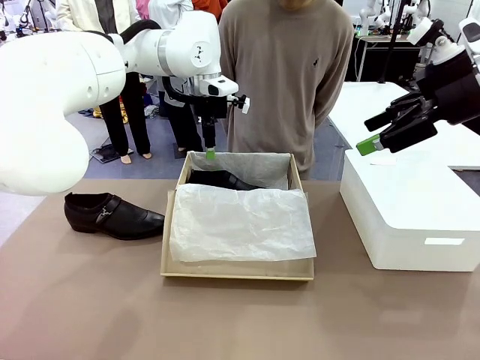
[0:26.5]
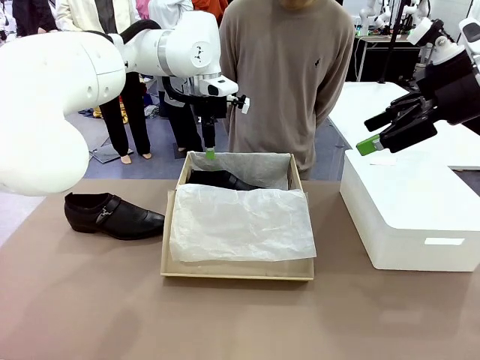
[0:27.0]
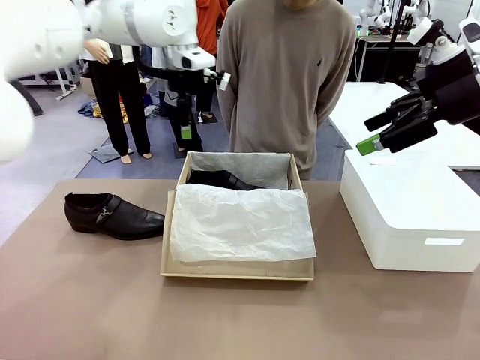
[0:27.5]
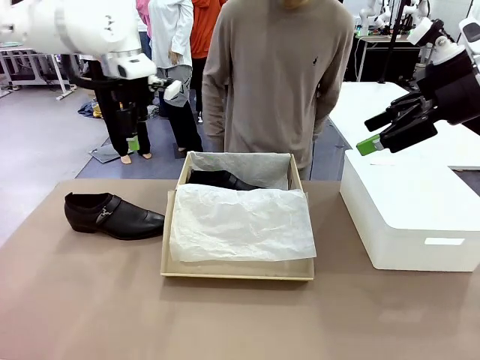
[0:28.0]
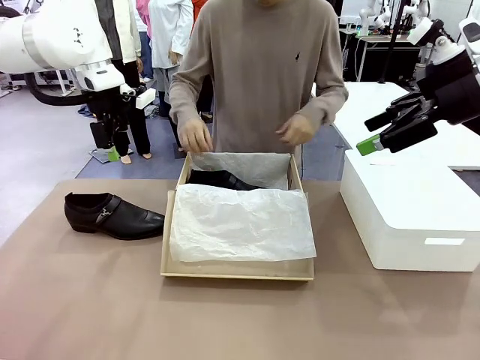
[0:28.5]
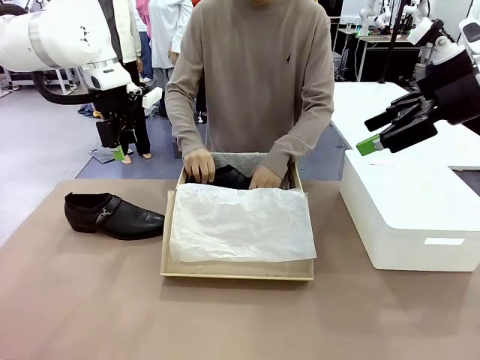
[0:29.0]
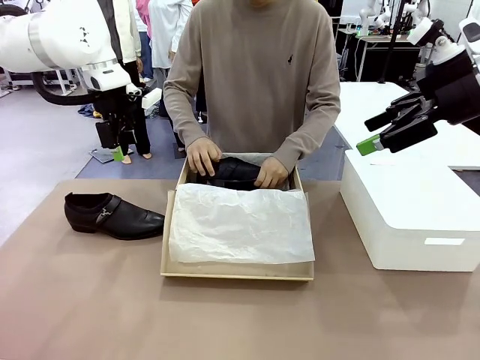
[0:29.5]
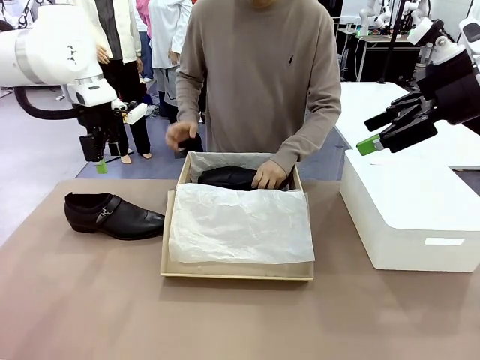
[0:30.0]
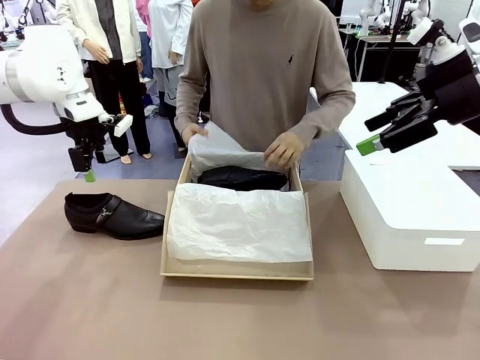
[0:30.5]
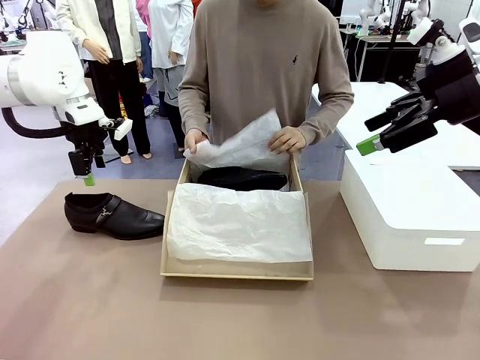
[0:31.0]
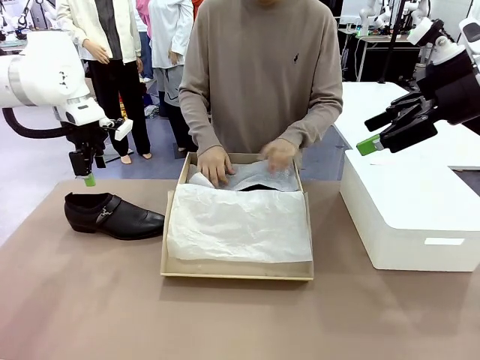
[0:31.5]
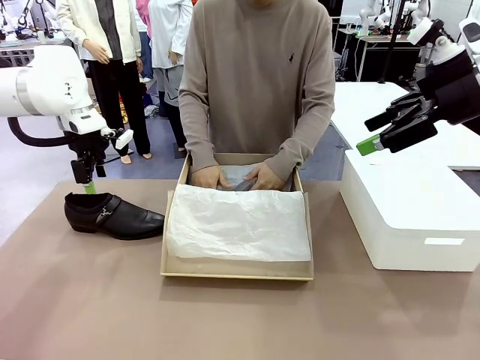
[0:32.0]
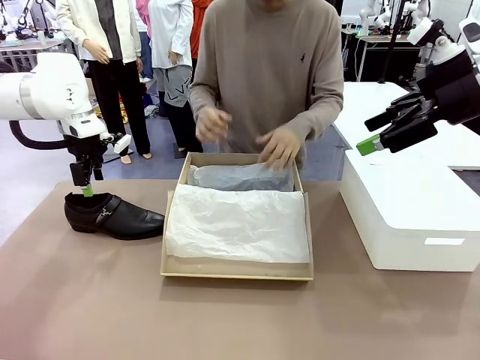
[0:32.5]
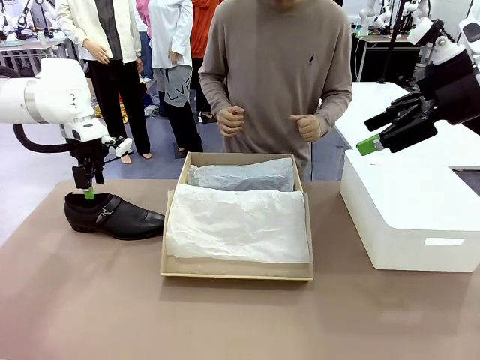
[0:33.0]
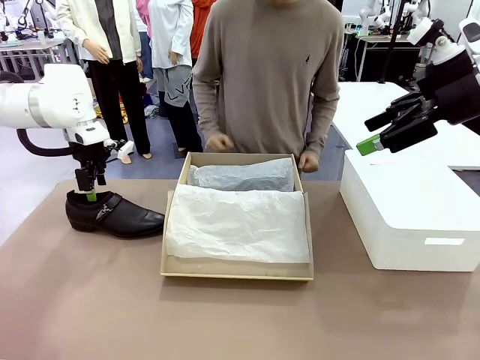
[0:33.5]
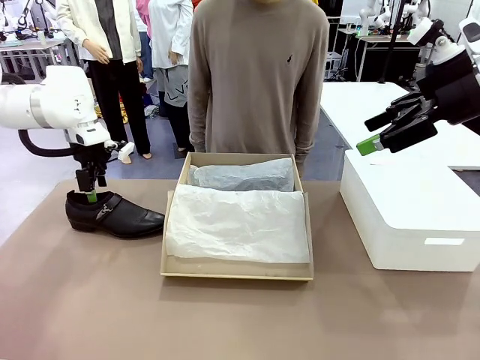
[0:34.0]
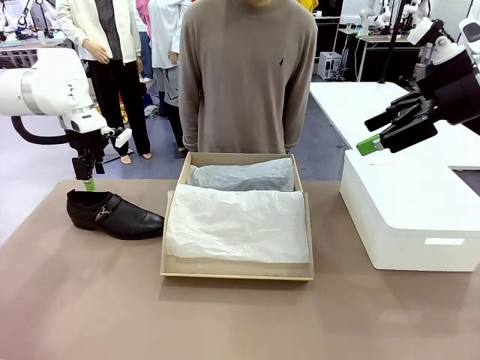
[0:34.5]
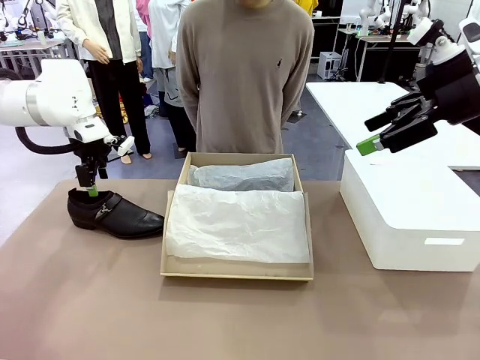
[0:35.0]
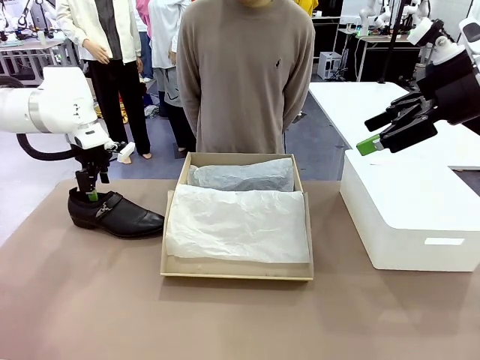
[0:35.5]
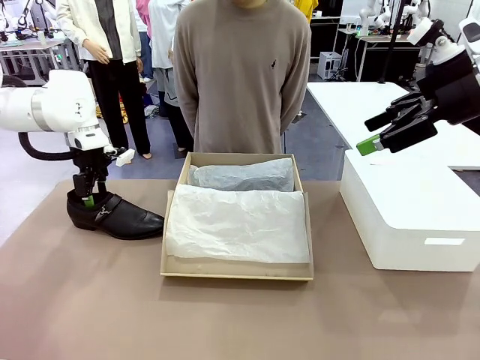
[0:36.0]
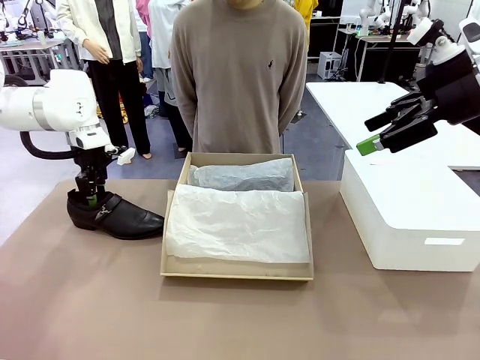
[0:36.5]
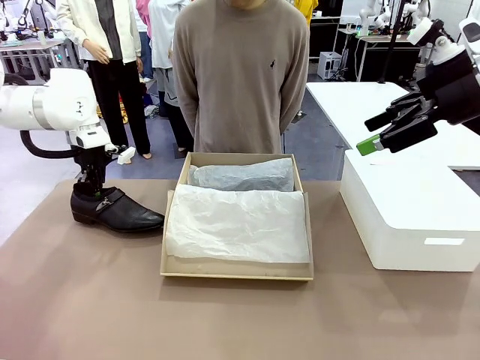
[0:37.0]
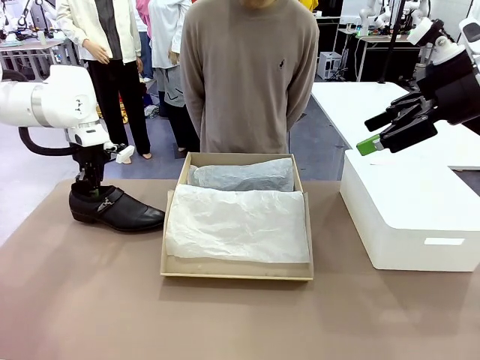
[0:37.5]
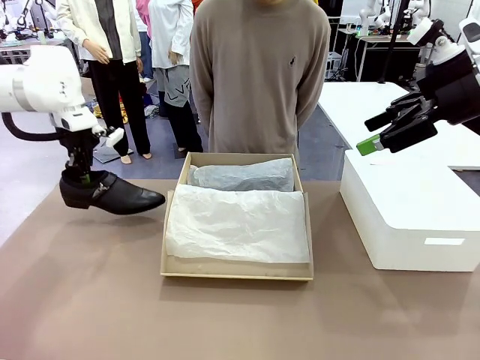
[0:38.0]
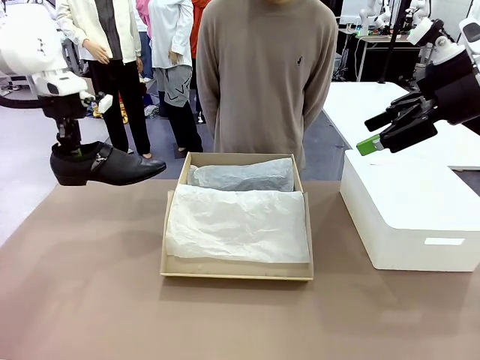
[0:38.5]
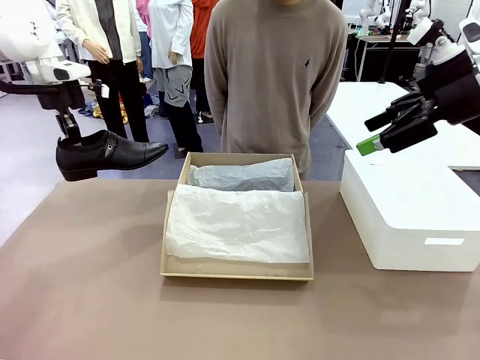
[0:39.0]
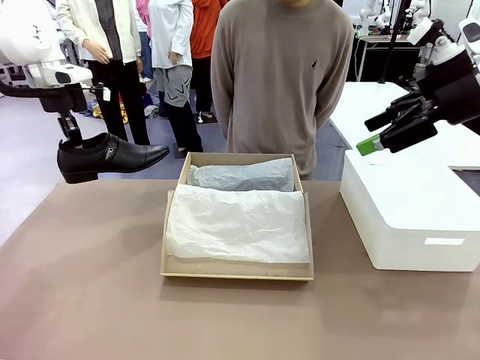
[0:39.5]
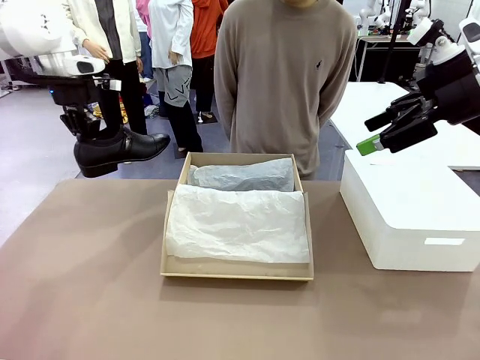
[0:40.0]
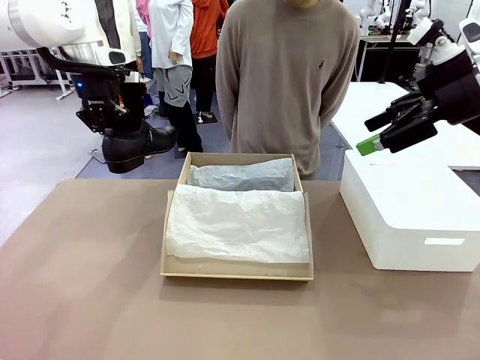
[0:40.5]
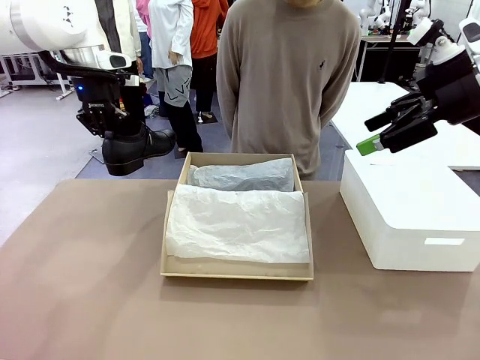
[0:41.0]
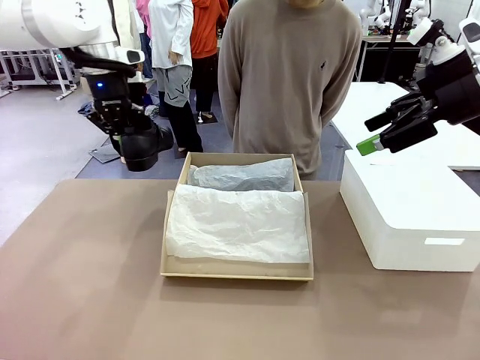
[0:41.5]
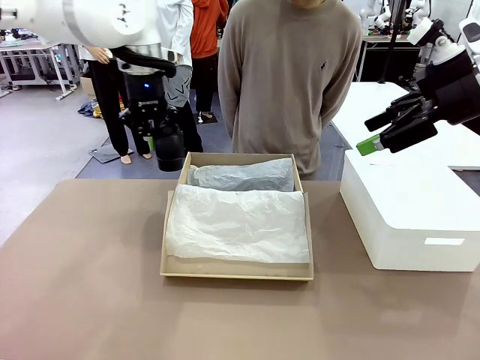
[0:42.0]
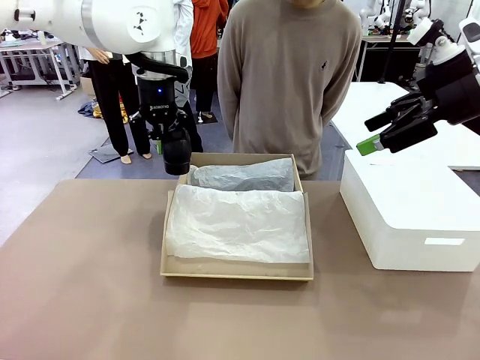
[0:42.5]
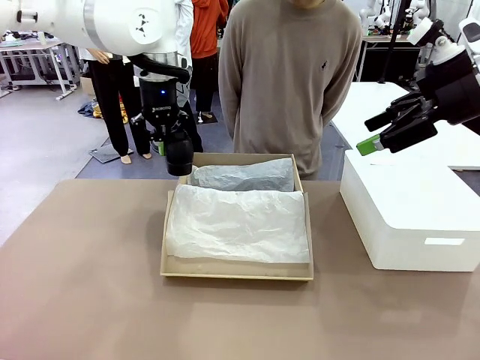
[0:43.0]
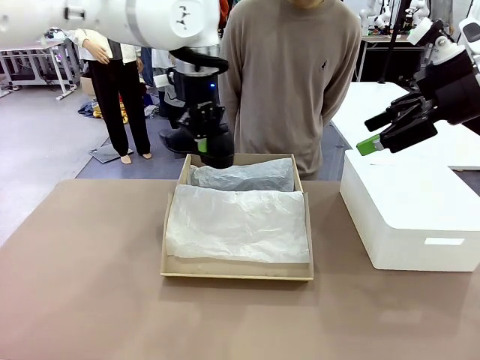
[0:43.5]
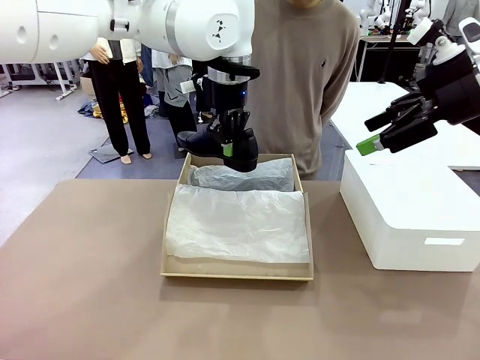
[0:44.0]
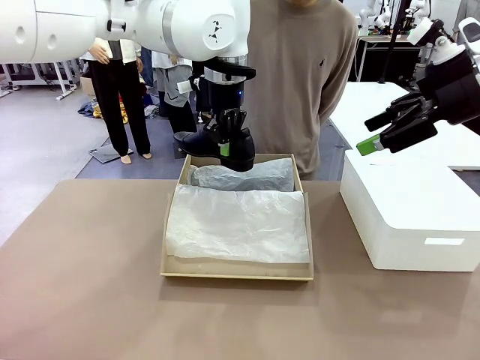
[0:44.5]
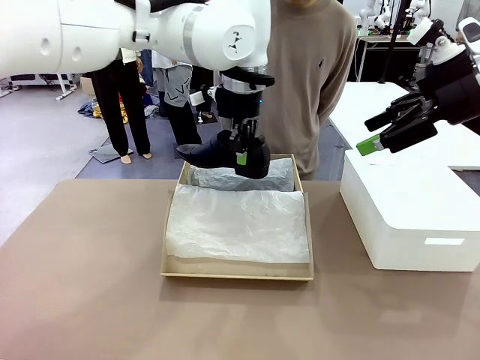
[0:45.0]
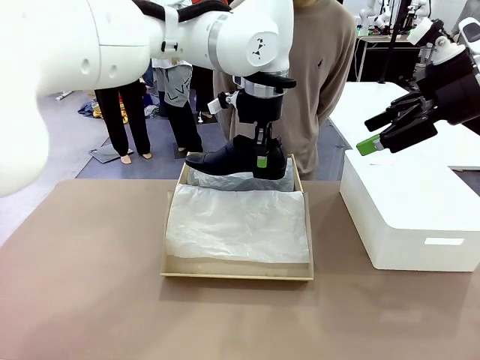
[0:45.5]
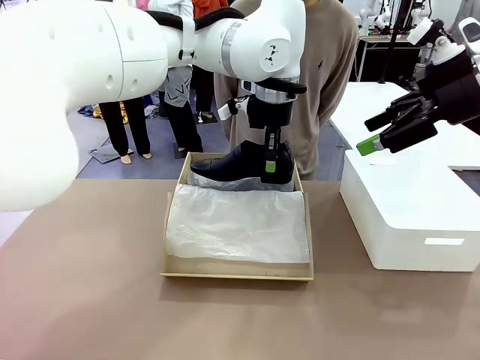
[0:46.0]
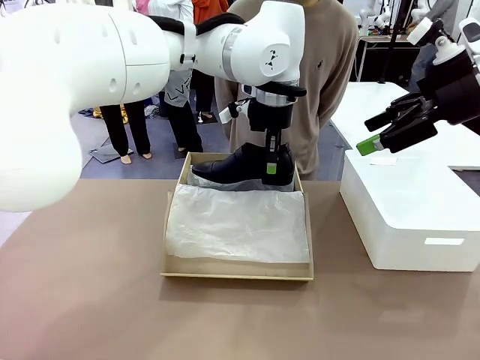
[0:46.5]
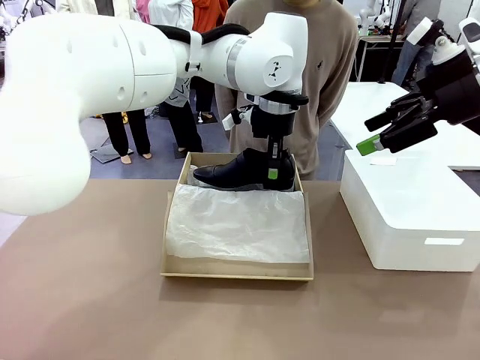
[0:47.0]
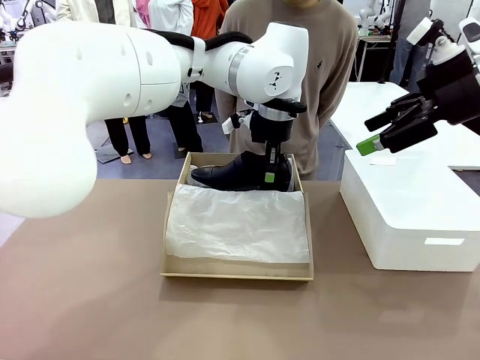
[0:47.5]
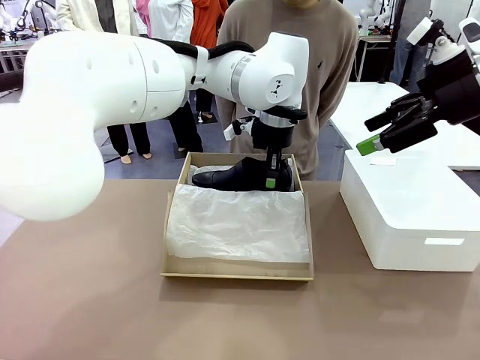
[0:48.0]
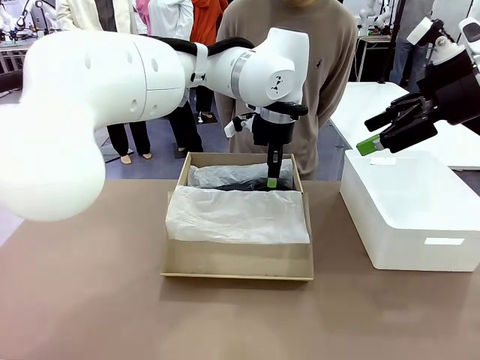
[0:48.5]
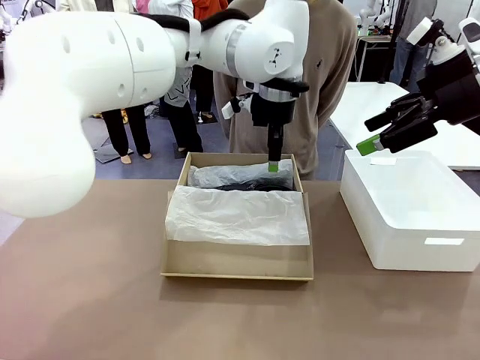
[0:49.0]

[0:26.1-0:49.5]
Task: Pack the shoes into the box.
Robot: Place the other shoe of the Shoes into the Shoes Box.
Person: Pack a shoe of Shoes inside the Shoes Box with Shoes Wrapping Paper.

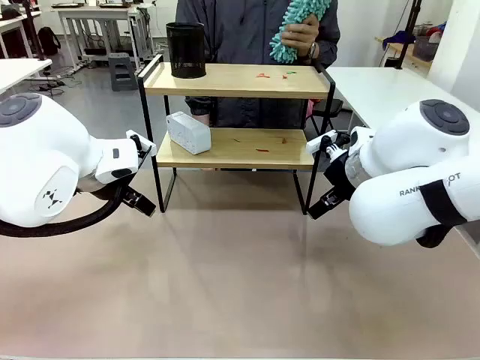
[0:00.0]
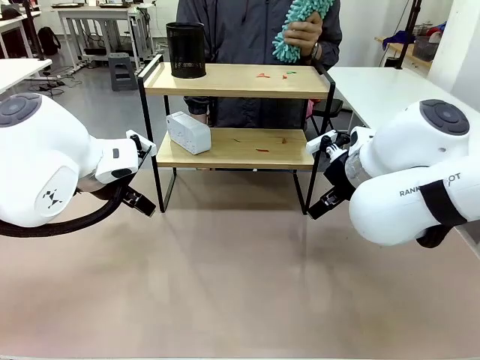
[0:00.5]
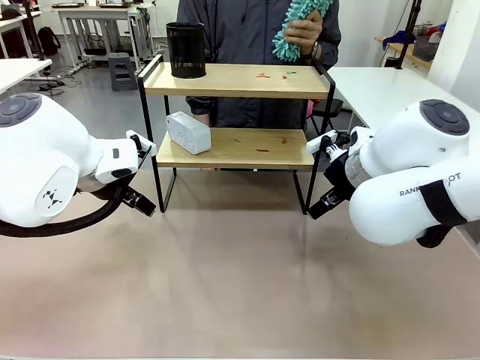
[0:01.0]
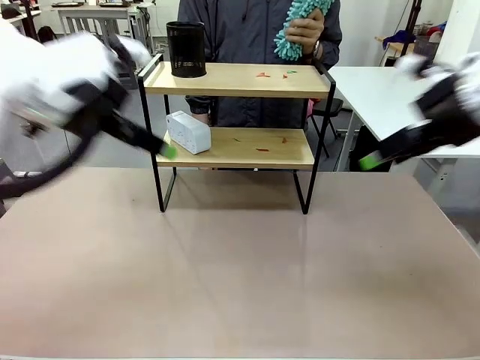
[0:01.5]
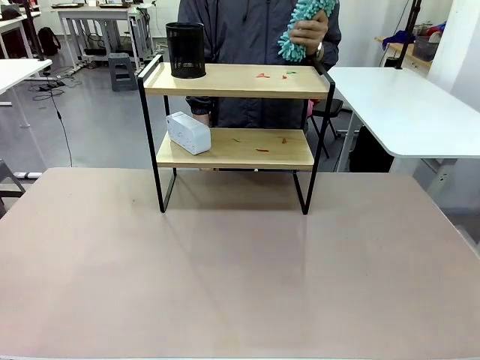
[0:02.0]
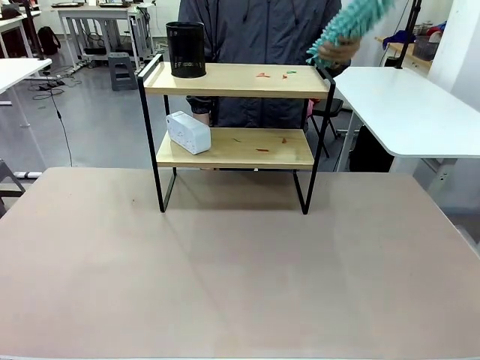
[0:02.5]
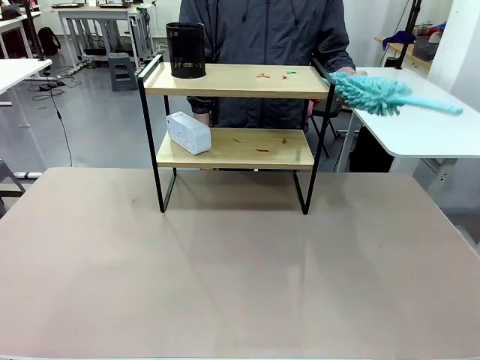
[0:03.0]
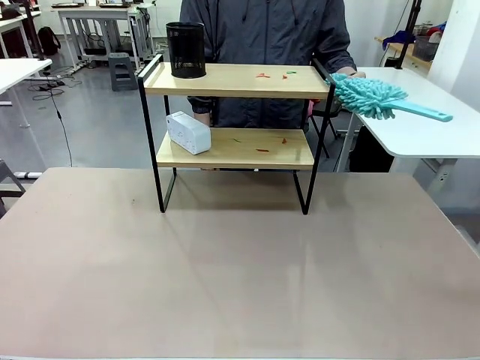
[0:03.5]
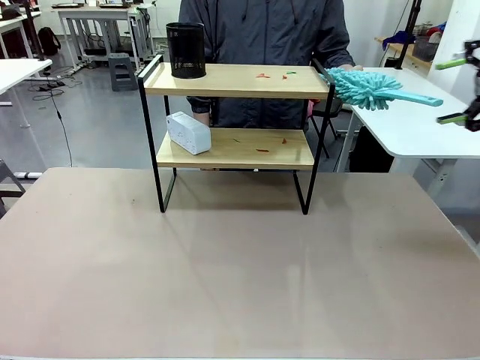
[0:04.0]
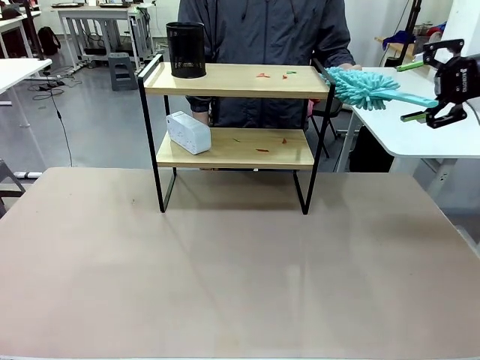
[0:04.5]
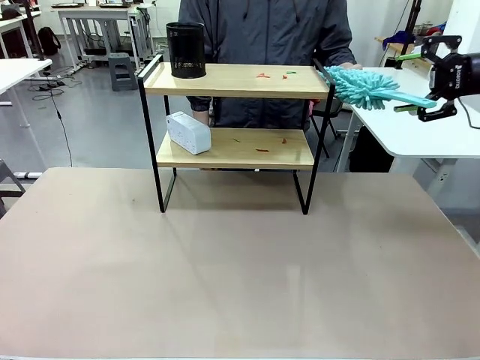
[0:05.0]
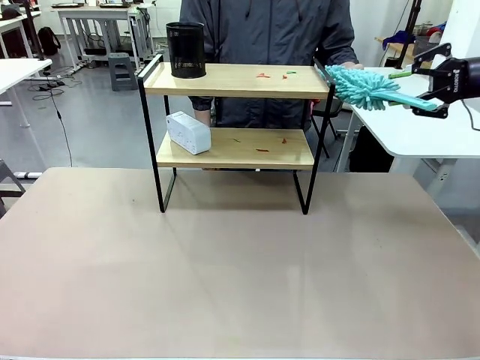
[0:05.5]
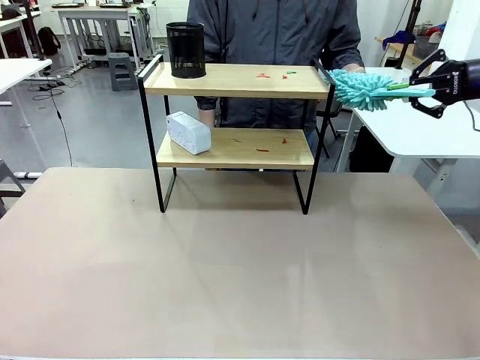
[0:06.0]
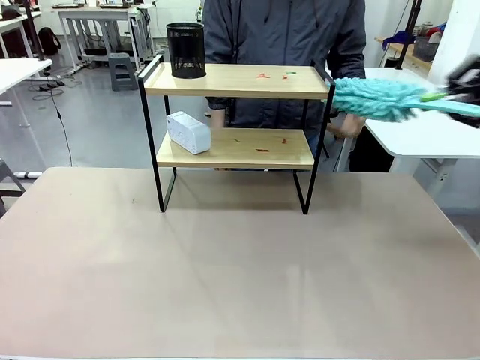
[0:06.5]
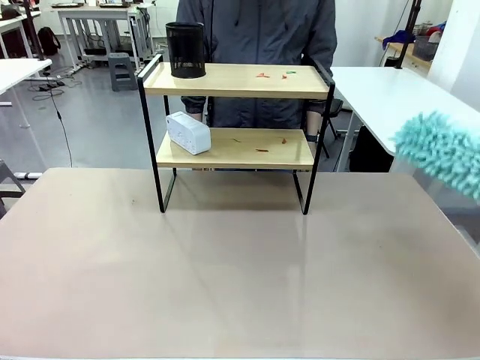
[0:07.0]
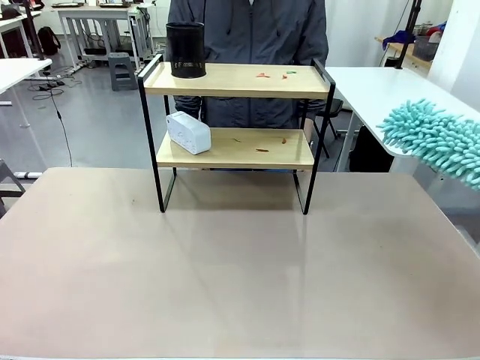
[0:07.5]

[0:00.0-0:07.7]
Task: Clean the shelf.
Robot: Pick up the Duster from the human.
Person: Hand the Duster to the robot.
